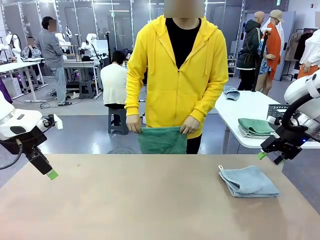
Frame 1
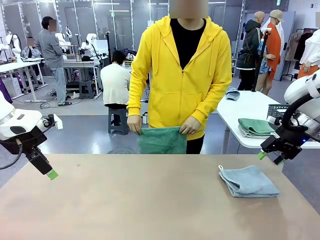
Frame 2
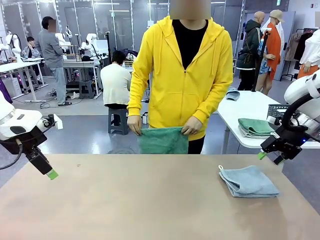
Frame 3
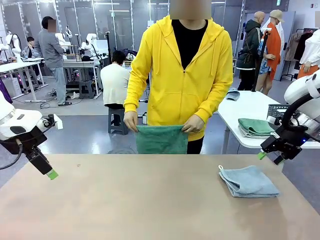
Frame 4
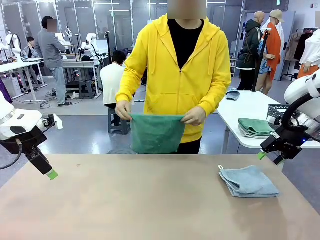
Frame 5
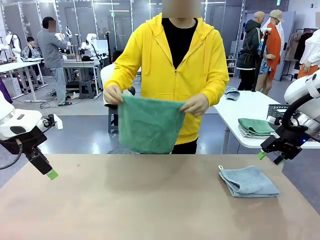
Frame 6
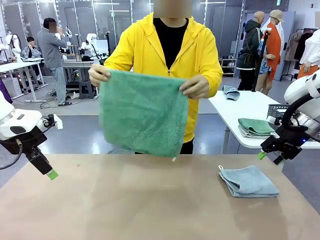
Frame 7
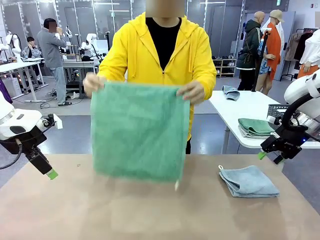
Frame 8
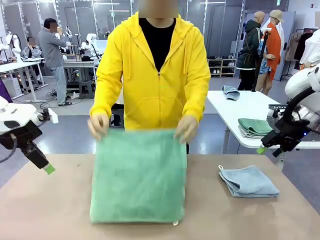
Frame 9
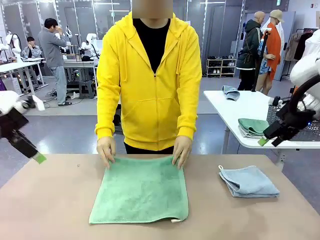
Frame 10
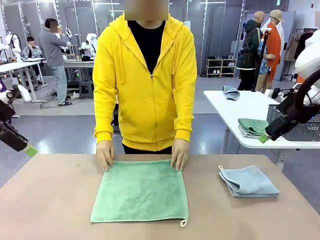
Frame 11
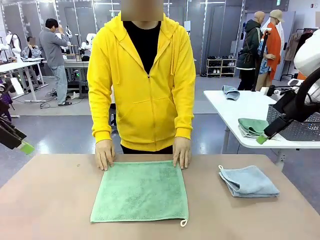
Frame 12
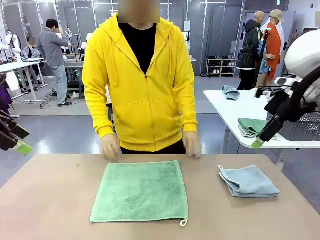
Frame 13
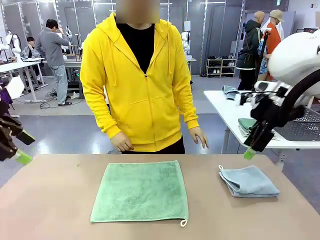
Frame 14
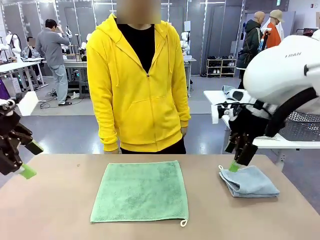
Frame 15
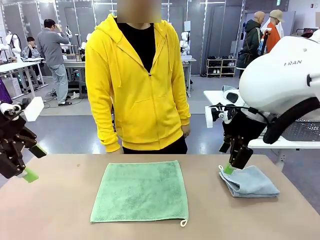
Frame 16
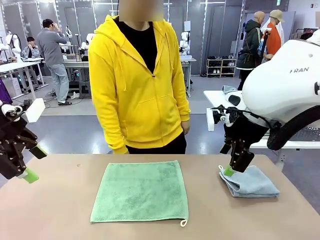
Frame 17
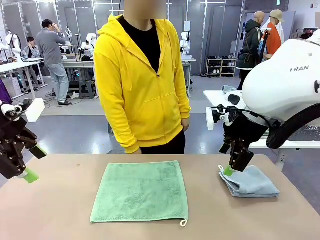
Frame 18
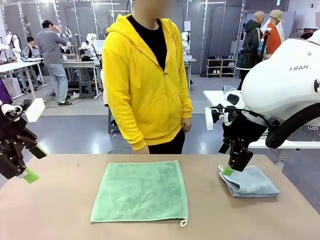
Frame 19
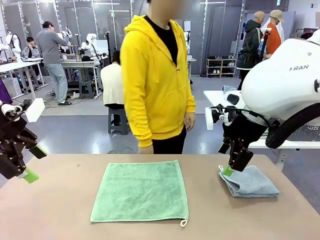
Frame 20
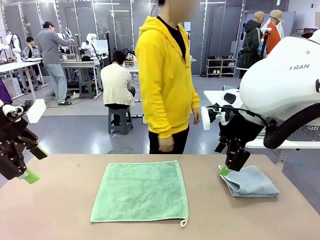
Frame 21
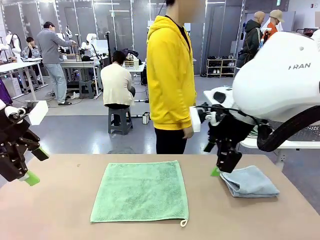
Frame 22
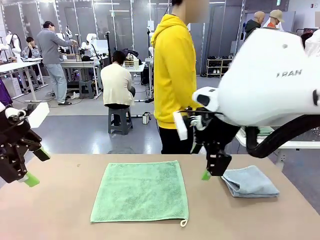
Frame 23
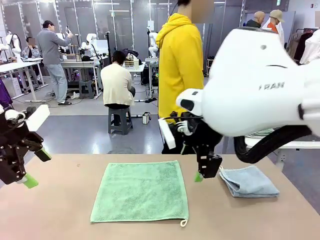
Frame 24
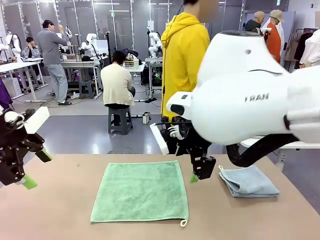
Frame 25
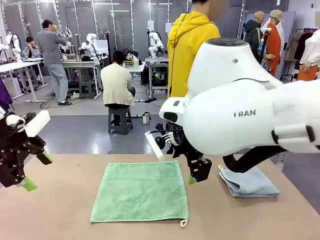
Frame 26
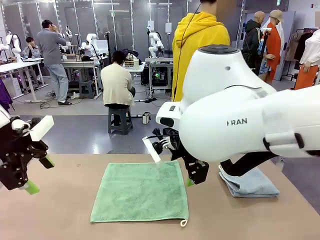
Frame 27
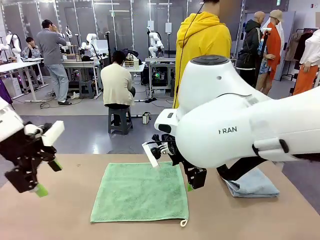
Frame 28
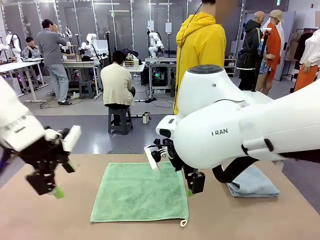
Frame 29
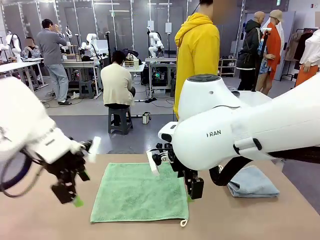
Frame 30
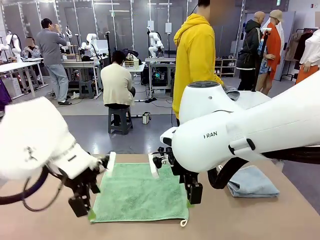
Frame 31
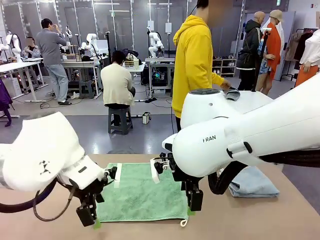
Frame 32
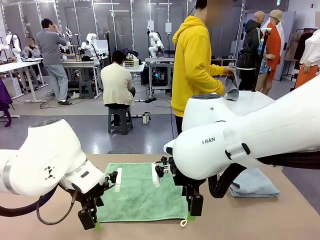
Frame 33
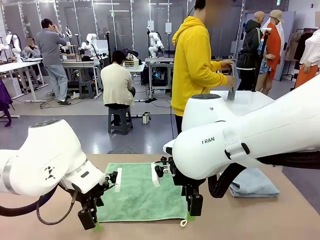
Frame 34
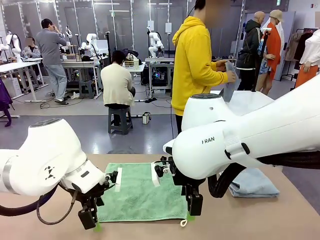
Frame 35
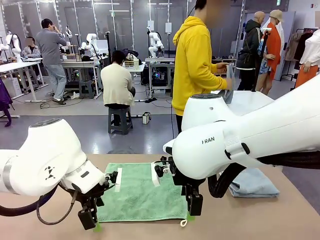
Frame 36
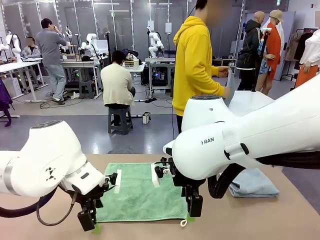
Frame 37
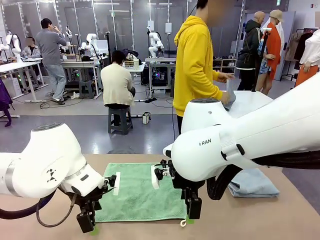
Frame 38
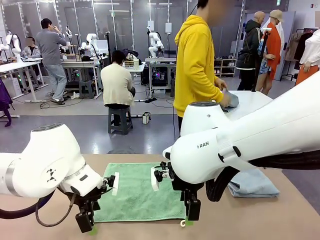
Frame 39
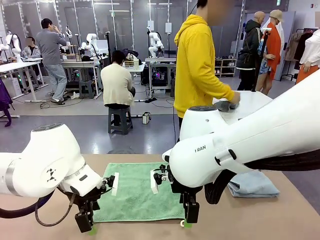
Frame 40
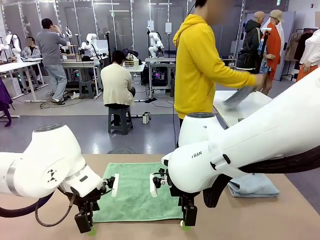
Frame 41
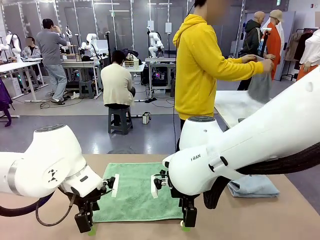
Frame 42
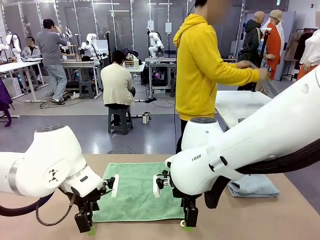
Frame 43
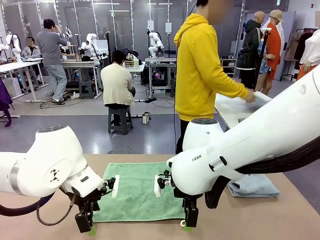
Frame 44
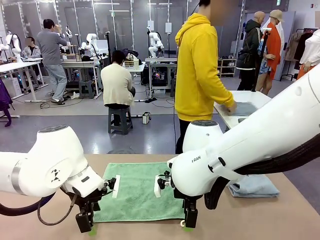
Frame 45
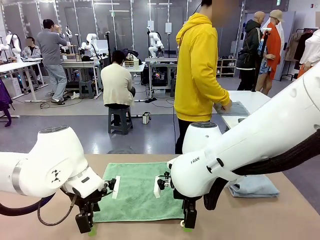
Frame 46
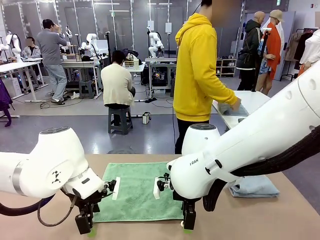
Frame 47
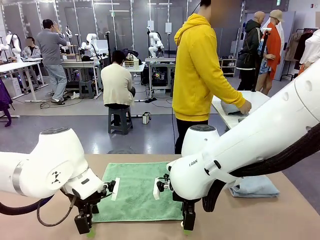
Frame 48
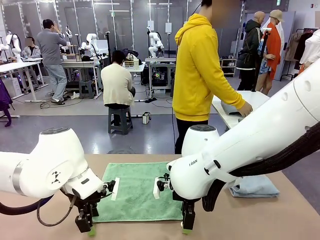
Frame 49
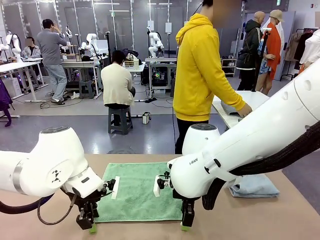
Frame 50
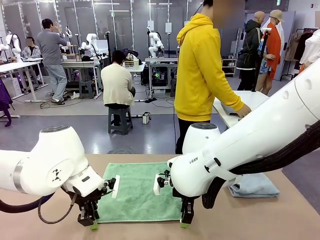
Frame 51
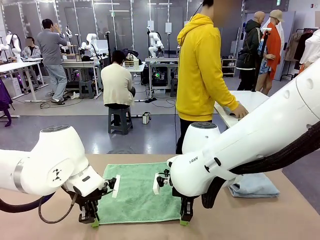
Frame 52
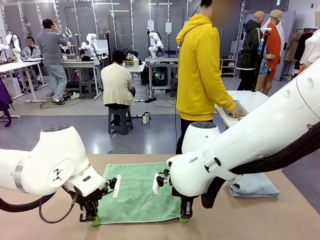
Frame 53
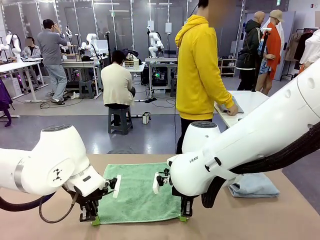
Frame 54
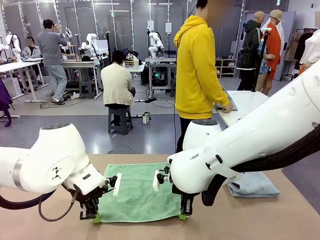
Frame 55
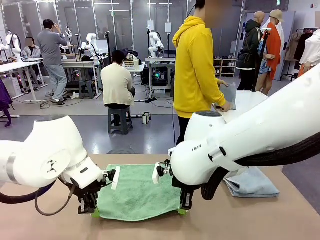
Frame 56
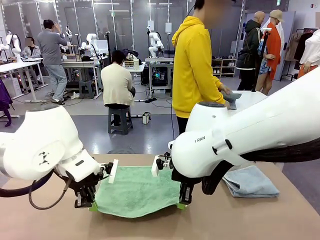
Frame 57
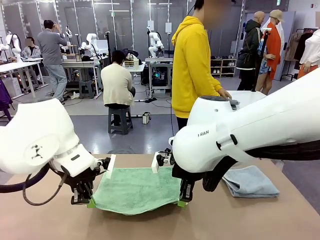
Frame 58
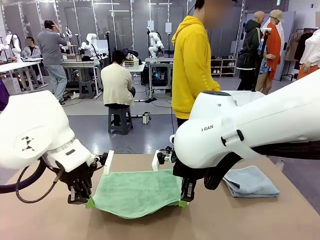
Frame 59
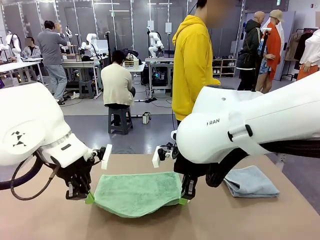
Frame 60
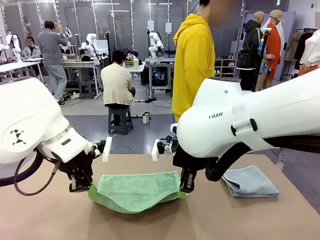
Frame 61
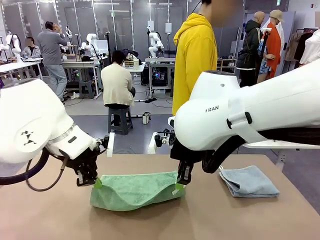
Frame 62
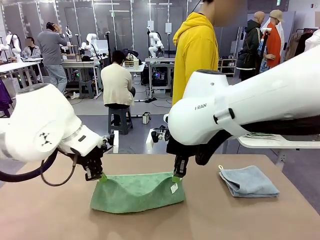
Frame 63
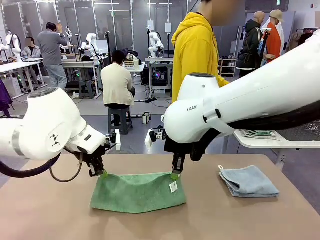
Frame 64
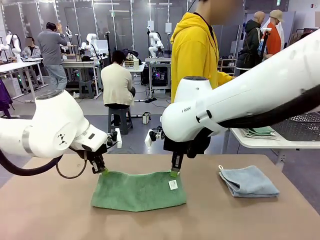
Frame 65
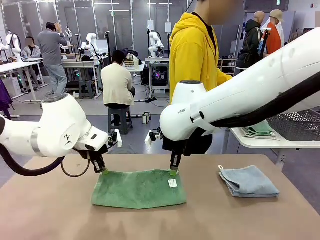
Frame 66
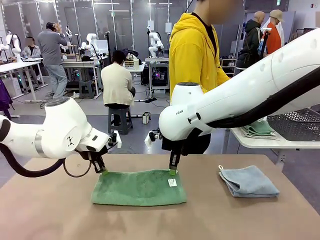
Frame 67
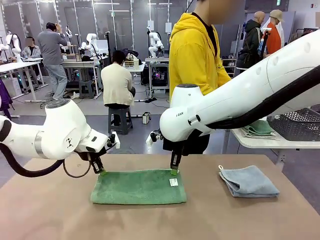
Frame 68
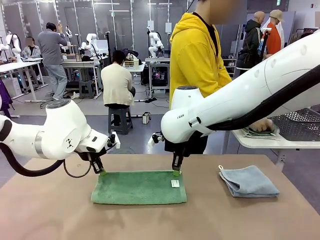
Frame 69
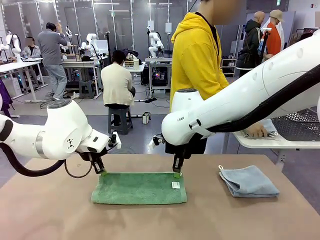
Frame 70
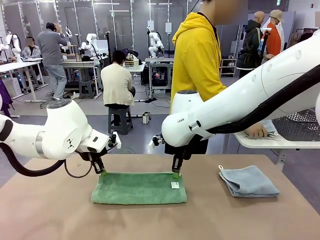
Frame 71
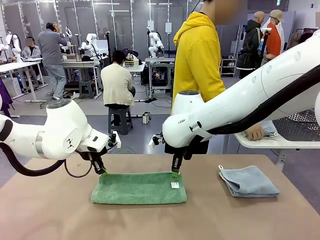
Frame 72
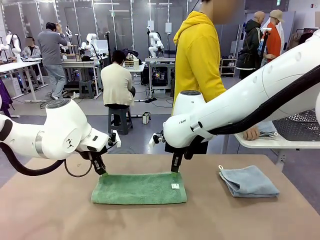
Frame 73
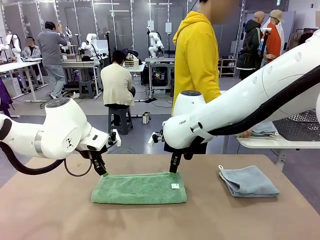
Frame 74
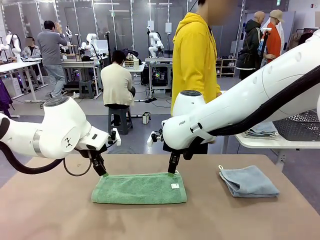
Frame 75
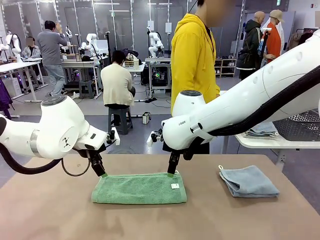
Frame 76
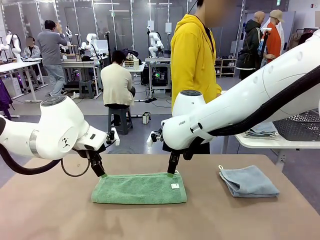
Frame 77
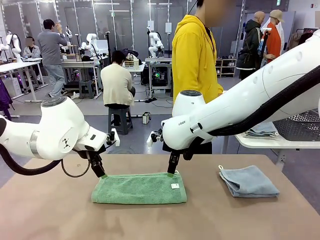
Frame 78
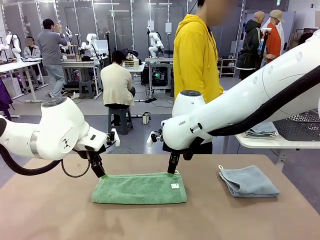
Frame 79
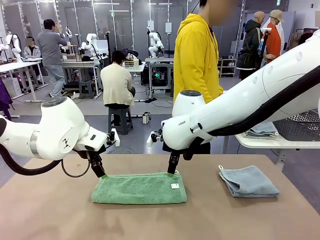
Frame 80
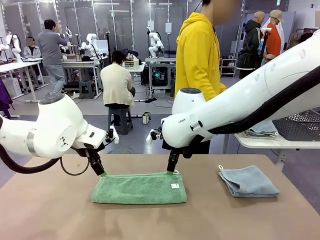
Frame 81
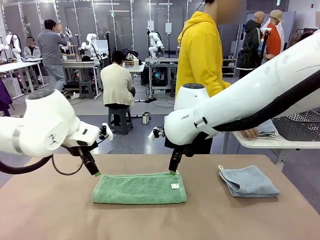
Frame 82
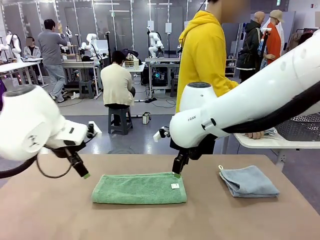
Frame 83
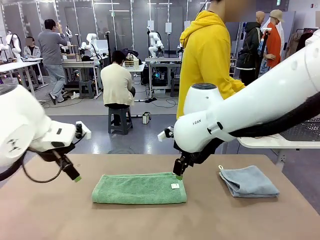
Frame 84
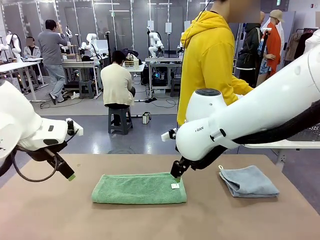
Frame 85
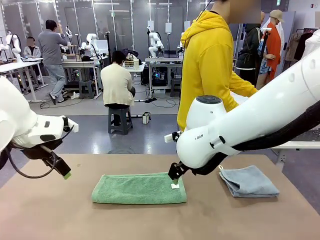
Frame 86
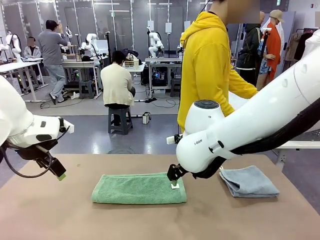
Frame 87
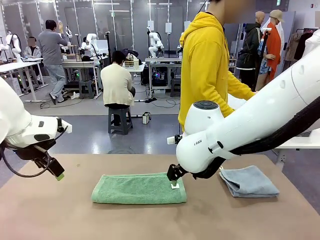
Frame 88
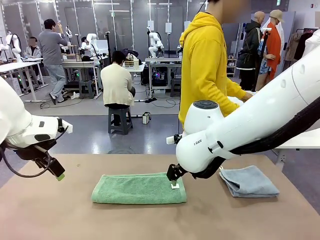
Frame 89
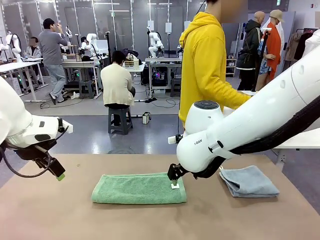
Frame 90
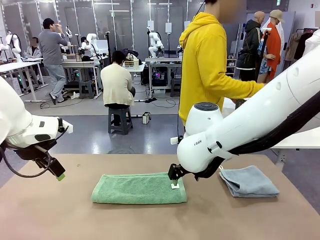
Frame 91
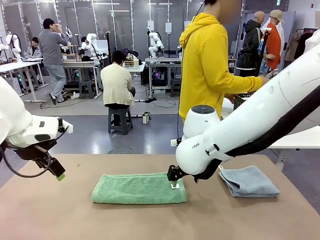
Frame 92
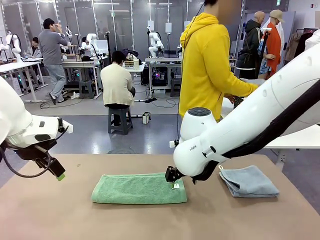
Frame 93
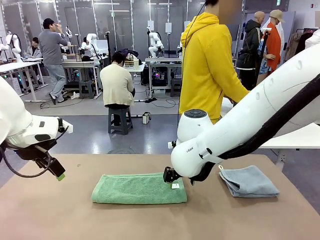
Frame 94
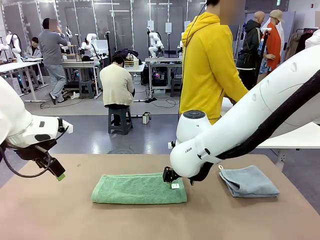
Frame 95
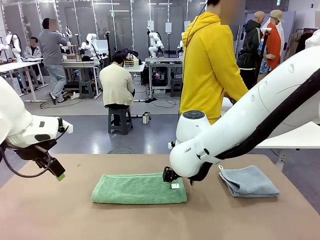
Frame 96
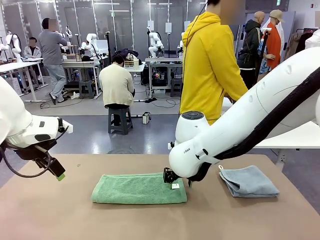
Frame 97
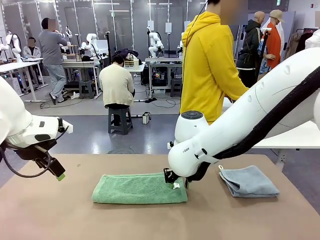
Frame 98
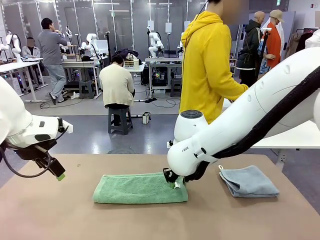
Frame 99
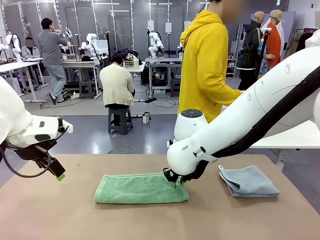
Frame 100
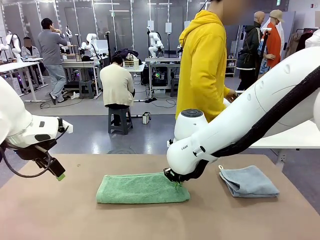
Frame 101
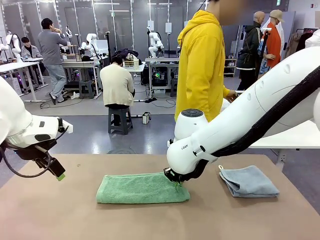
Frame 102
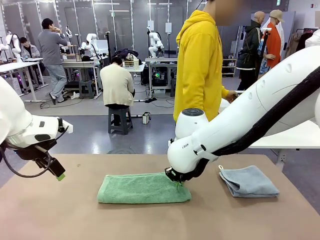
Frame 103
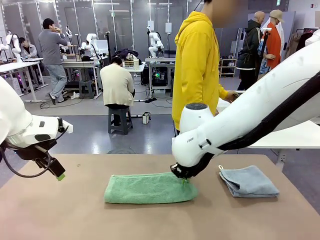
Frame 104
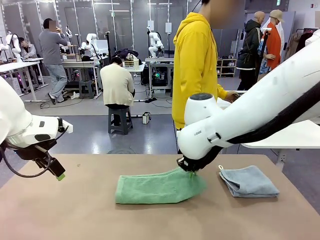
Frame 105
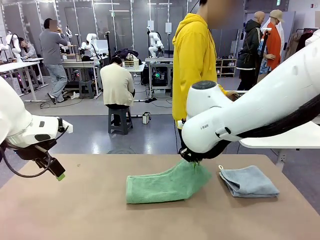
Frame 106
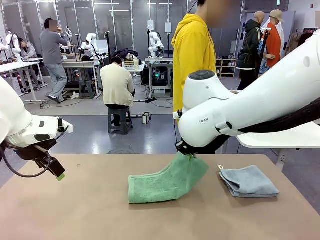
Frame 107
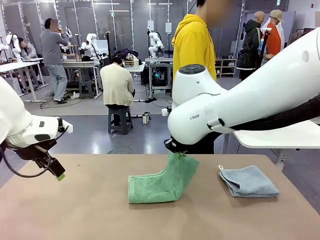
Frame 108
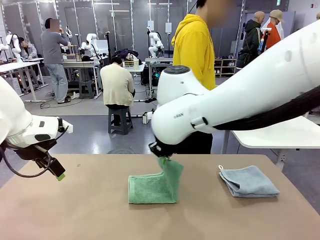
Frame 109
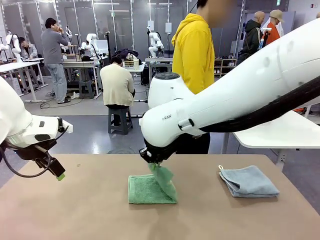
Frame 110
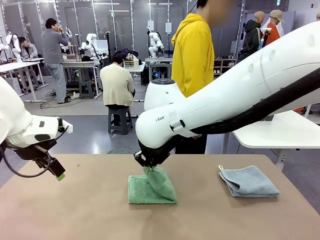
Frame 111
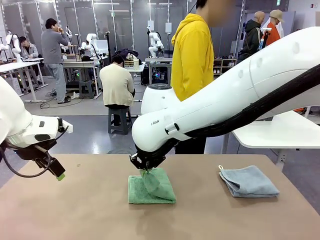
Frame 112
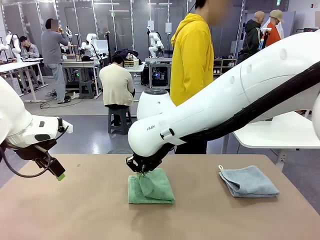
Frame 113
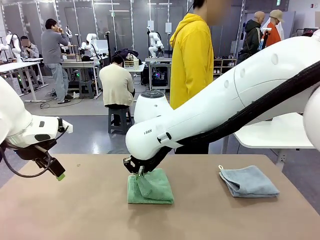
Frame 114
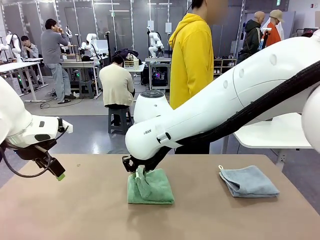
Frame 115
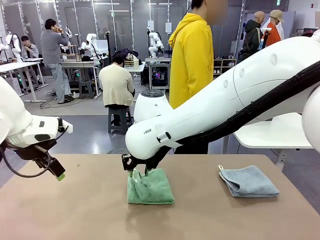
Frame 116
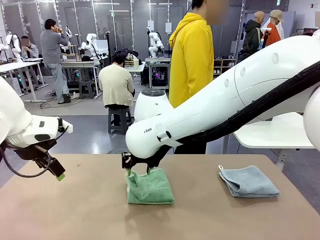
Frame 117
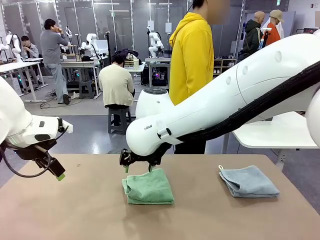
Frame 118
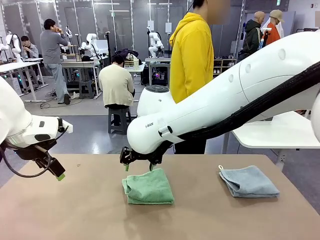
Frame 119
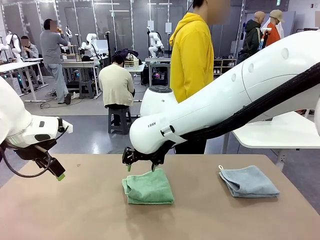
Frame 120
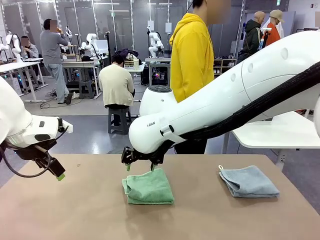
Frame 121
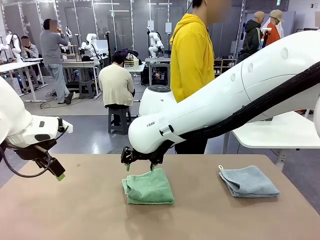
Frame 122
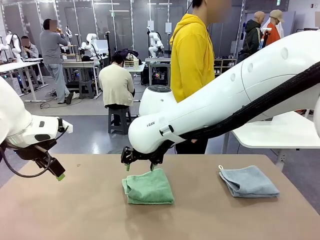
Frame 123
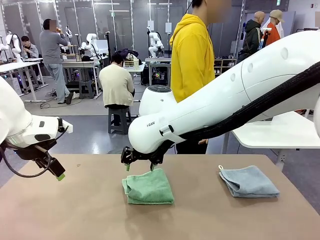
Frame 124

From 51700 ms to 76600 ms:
Task: Fold the towels and place them in the basket.
Robot: When a person lays out a Towel with hook on the table, fold it in half twice.
Person: Pick up one towel from the left side of the human table, fold it in half twice, and stack it on the right side of the table. Pick up the stack of towels from the right side of the human table, place it into the basket, and put the basket at the center of the table.
